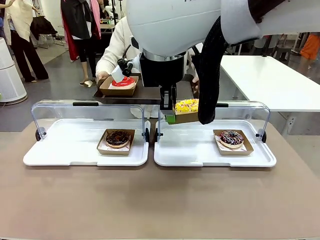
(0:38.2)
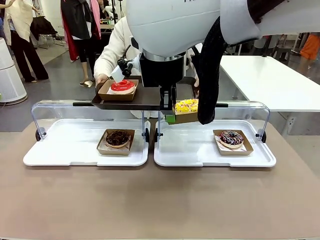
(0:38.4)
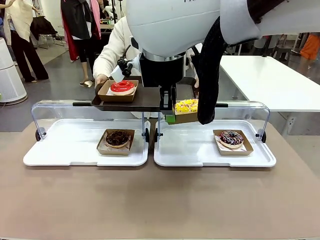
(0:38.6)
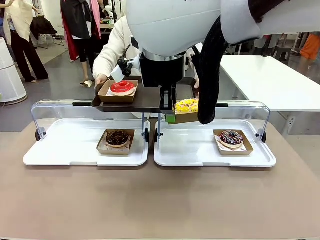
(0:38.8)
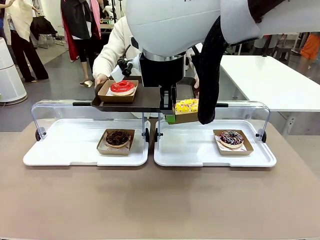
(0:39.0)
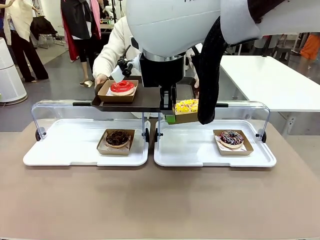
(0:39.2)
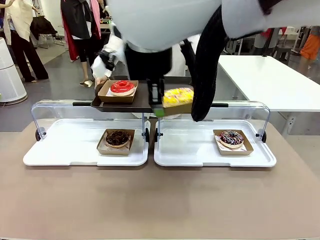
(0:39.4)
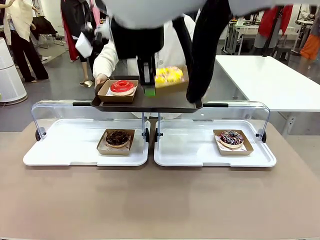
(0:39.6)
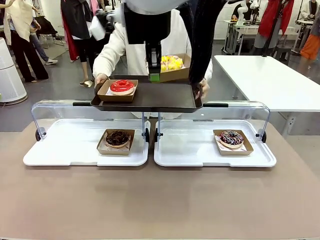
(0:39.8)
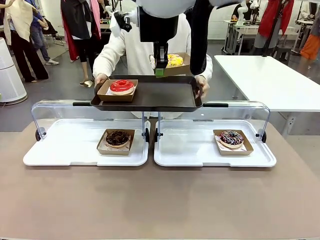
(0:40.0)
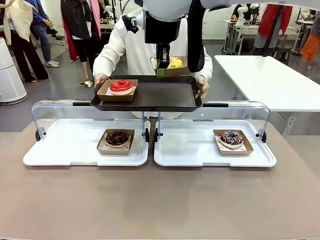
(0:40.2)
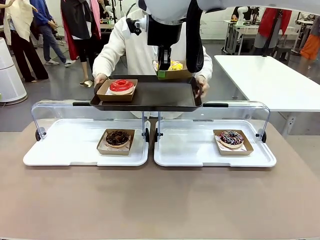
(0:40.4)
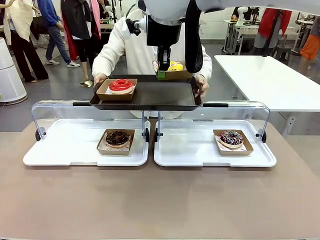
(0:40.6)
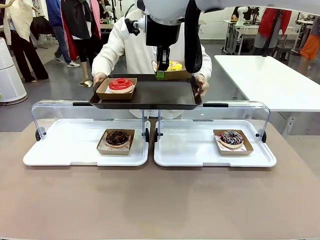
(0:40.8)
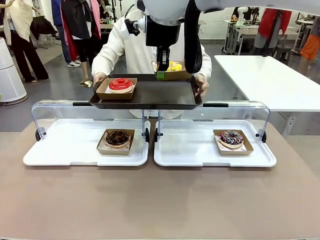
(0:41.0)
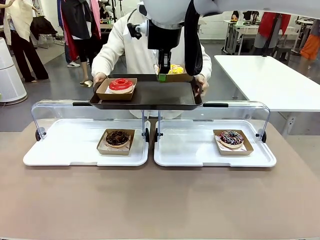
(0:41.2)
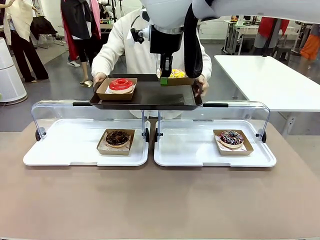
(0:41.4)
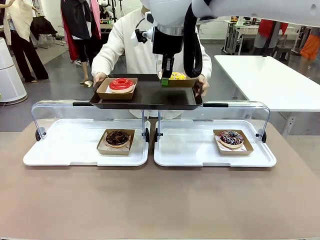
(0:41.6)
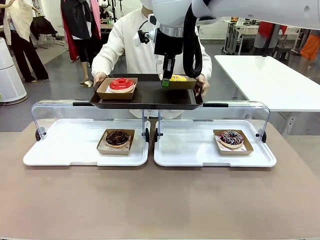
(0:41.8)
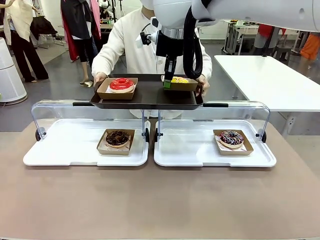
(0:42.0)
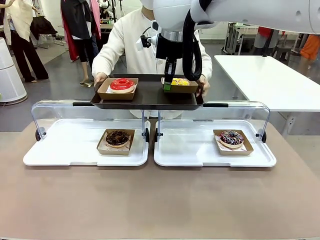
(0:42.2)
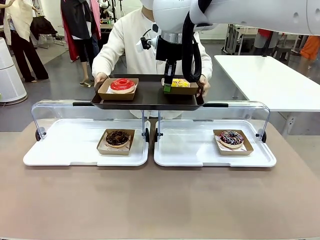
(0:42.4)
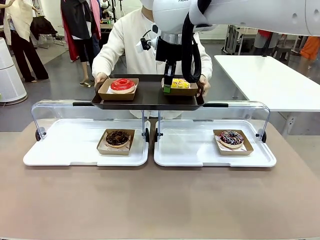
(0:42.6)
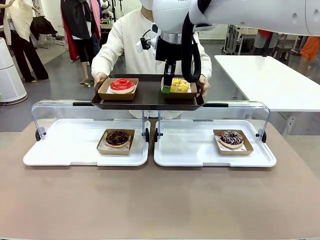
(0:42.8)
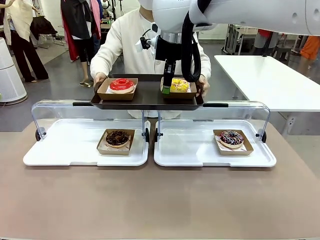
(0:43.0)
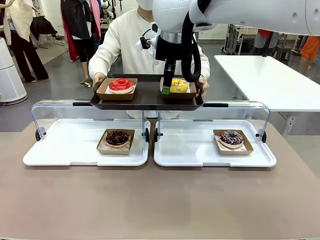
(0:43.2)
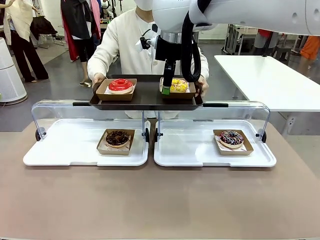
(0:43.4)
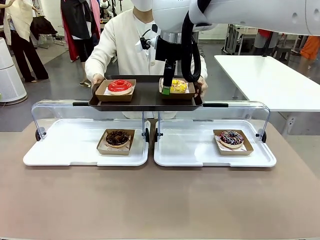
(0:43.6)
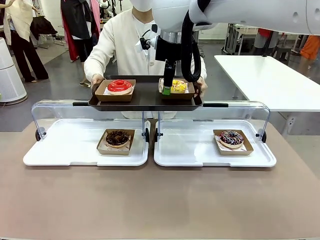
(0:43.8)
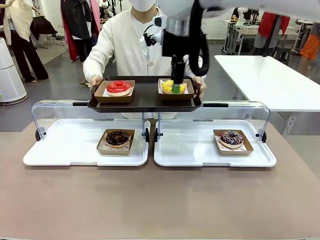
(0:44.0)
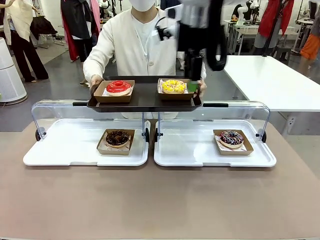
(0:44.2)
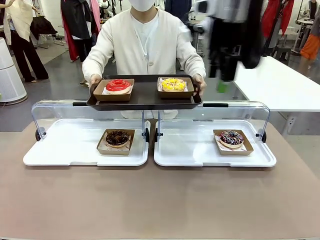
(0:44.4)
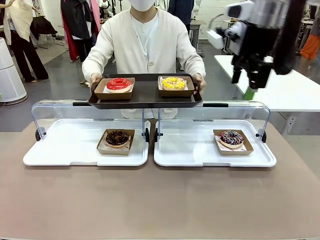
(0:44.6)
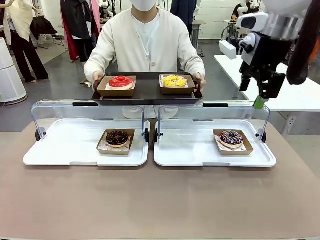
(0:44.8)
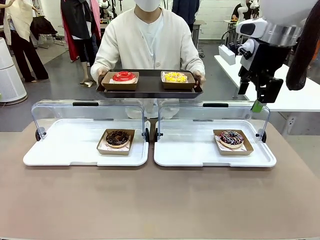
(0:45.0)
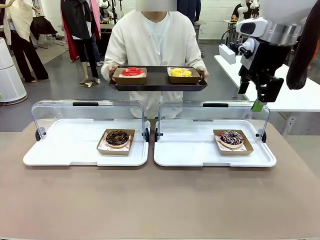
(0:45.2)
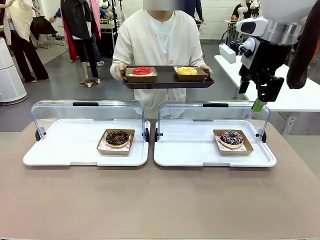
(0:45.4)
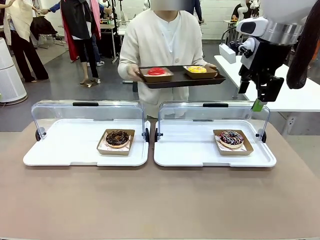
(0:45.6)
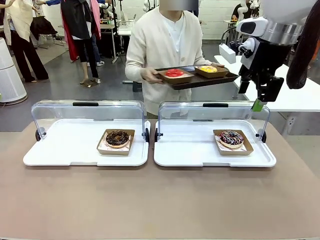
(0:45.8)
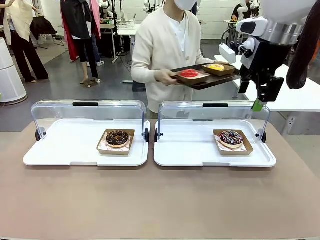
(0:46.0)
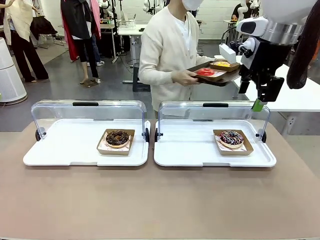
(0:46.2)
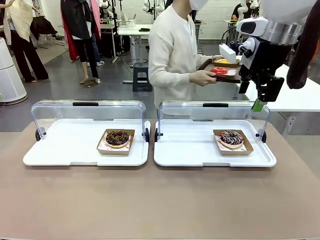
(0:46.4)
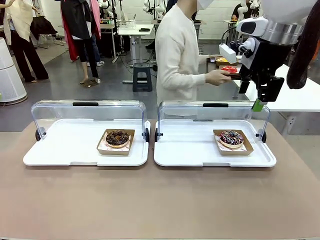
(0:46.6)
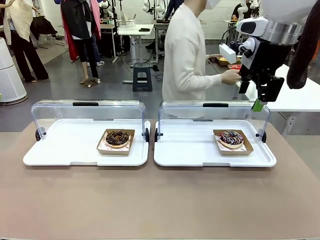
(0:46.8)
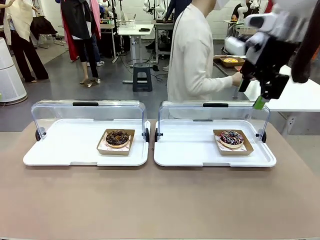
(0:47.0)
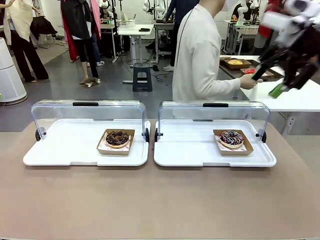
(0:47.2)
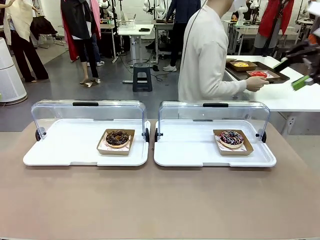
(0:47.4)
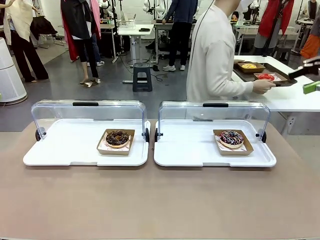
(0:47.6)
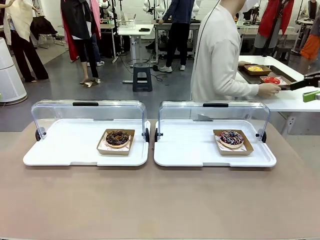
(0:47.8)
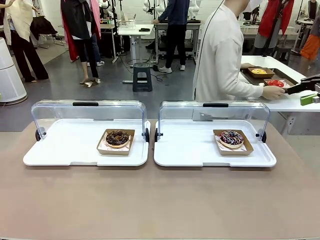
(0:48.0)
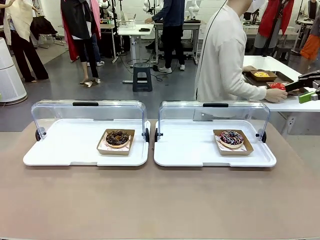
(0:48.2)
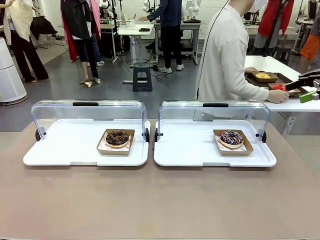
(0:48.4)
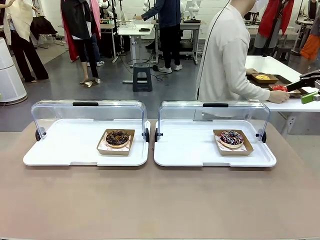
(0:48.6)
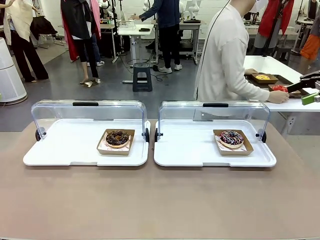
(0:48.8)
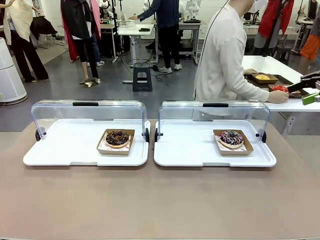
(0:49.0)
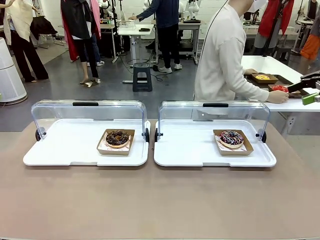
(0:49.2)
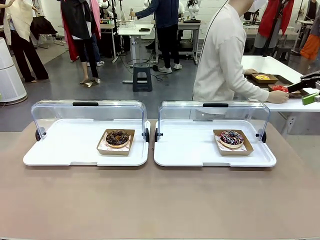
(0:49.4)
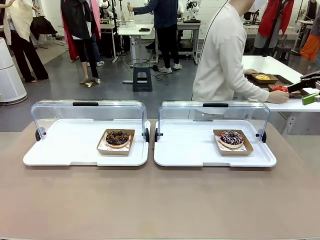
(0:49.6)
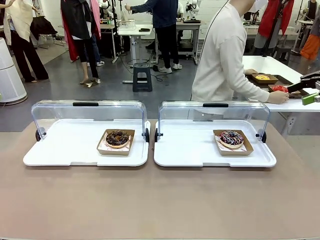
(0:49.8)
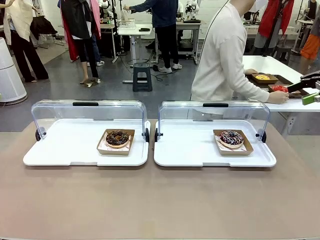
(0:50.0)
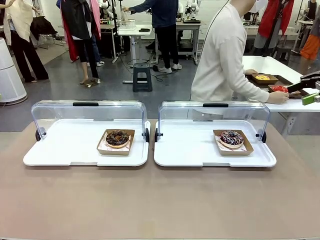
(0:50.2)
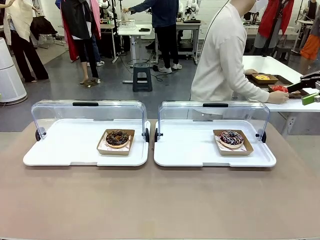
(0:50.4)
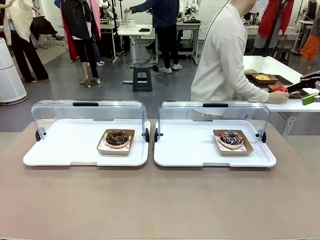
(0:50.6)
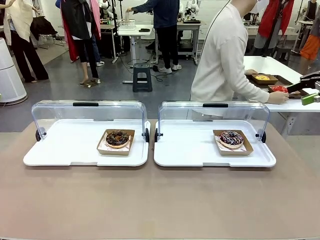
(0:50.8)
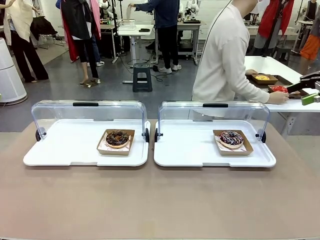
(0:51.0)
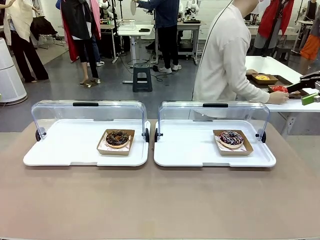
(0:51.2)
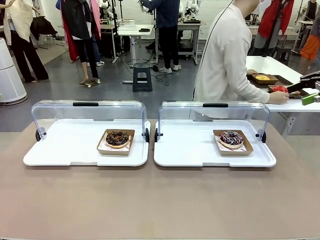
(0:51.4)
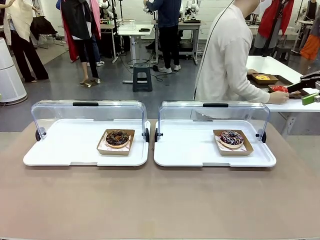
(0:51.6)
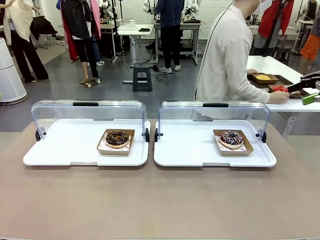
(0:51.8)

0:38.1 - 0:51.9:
Task: Provide the desired donut to the person.
Robot: Place the picked Paper togo box onto the Handle tray extended by the person.
Person: Place the tray in the middle of the human table.
